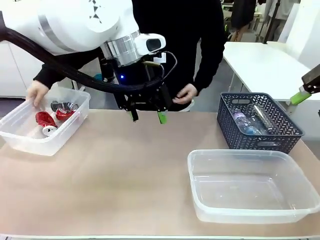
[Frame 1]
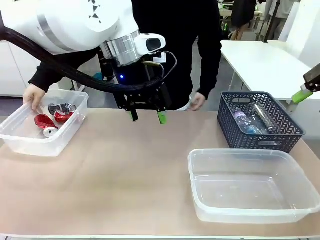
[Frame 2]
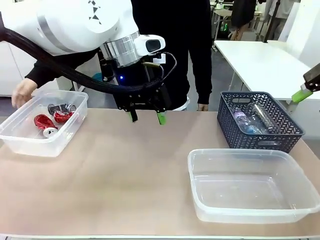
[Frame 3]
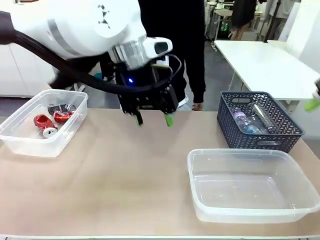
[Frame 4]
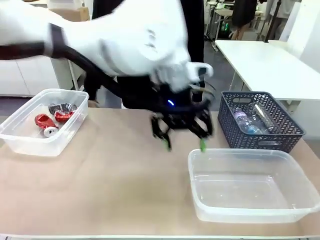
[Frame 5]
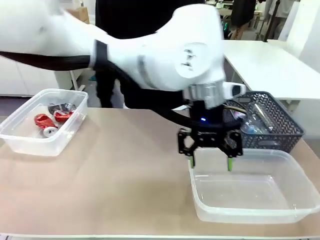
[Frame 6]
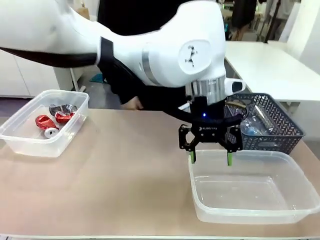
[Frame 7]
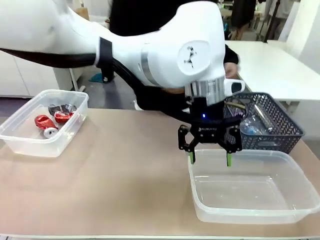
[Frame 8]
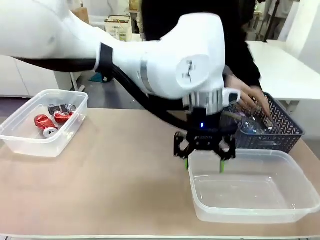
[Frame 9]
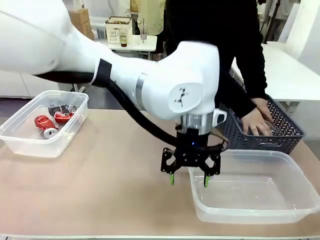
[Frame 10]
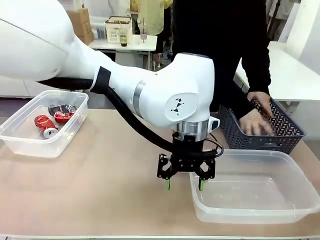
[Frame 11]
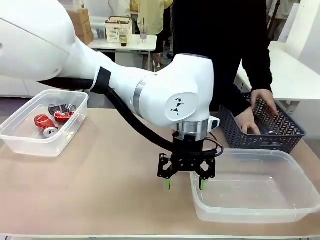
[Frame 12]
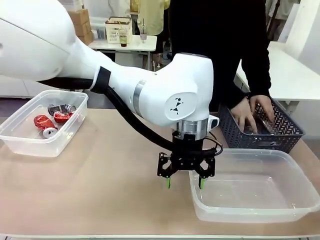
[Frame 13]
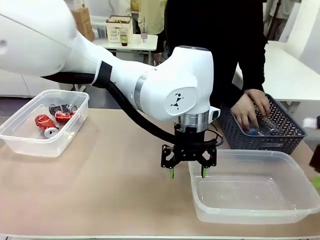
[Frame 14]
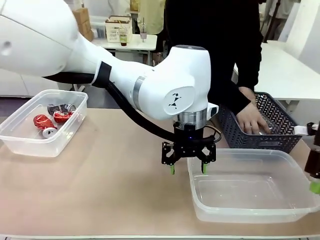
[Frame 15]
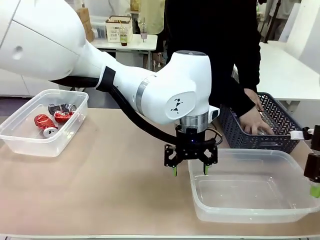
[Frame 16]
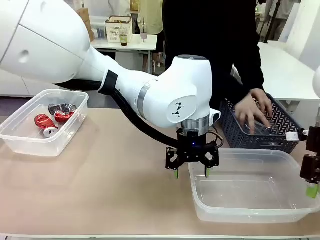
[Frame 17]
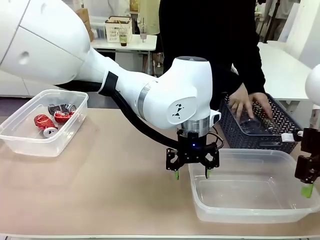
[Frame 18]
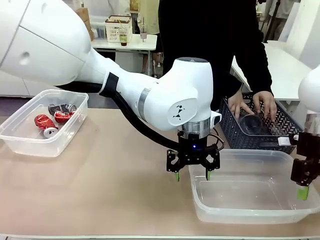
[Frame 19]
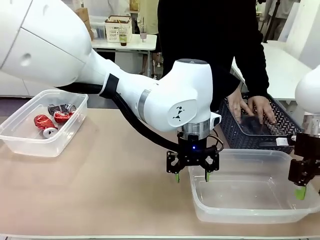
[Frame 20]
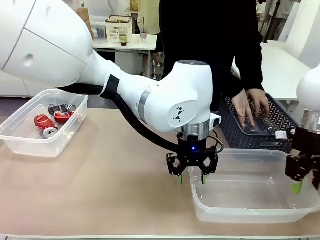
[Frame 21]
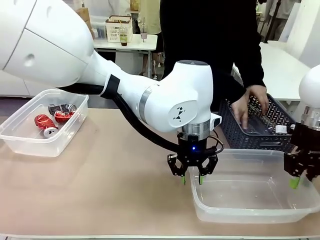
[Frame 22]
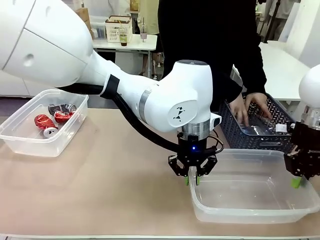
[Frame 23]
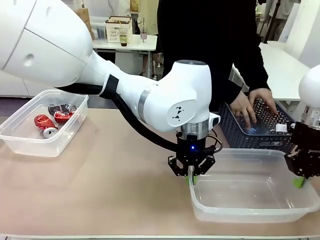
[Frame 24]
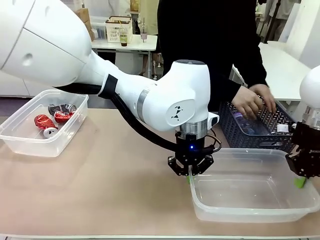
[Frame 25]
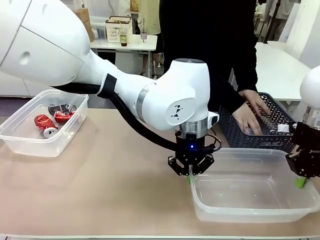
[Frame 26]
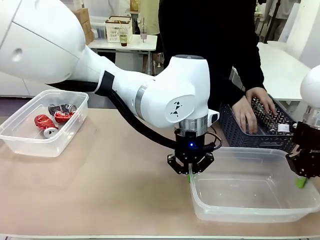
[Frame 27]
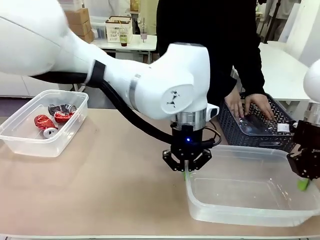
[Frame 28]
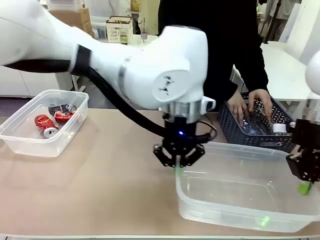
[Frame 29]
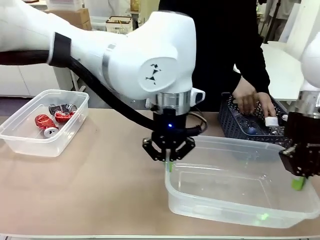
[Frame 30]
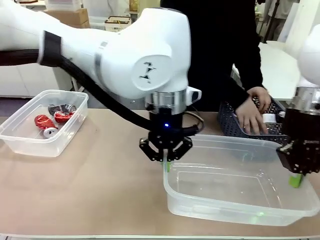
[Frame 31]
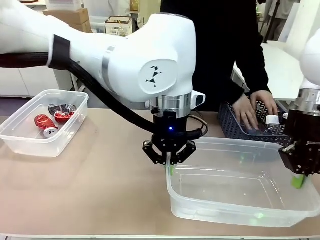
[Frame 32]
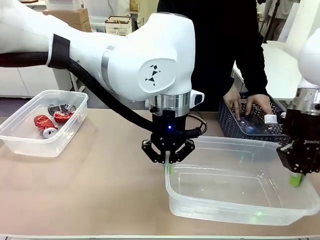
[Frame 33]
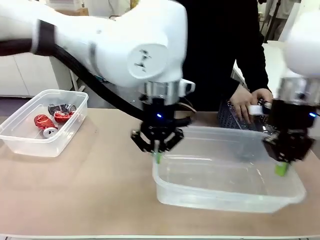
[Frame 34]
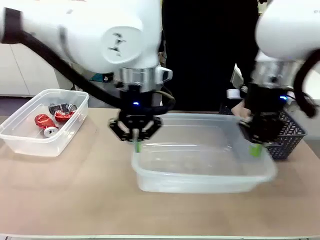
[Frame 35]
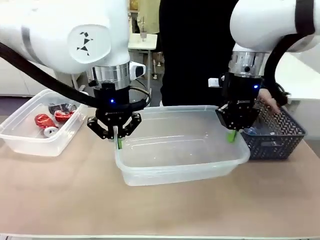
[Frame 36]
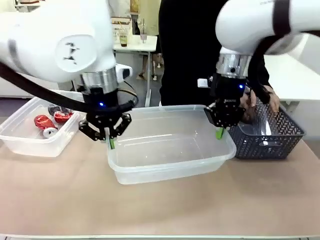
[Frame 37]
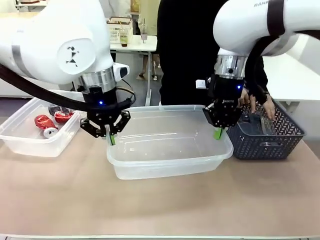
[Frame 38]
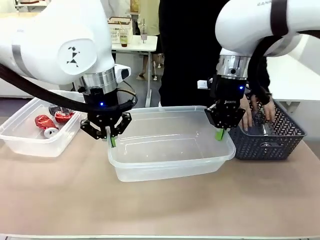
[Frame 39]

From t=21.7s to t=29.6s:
Robot: Pick up the Organizing box on the right side of the table and lift it.
Person: Pick up plastic waste one by one and place it into the organizing box lifted by the robot.

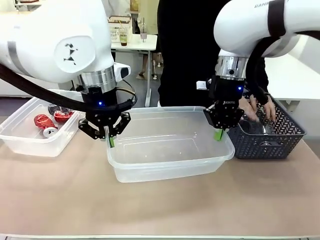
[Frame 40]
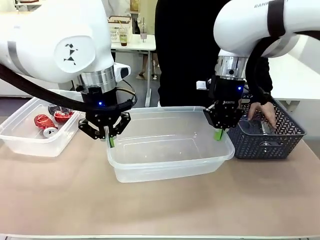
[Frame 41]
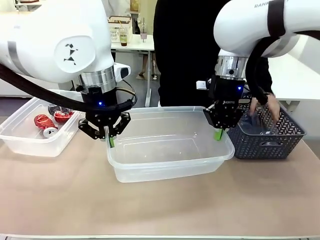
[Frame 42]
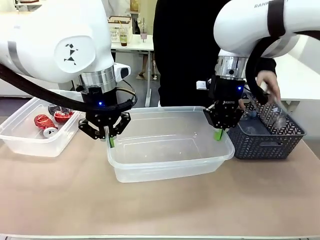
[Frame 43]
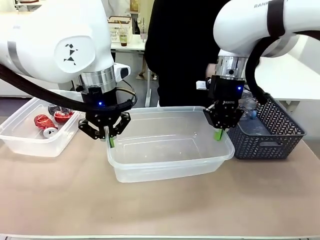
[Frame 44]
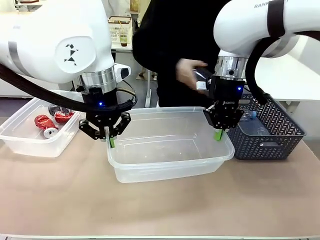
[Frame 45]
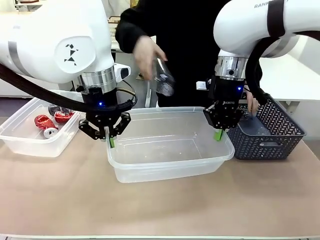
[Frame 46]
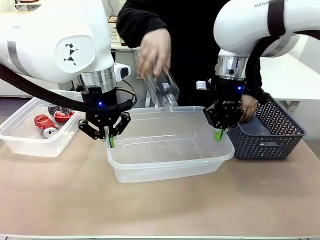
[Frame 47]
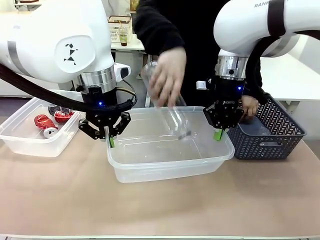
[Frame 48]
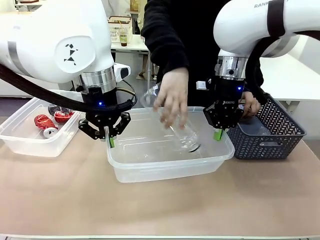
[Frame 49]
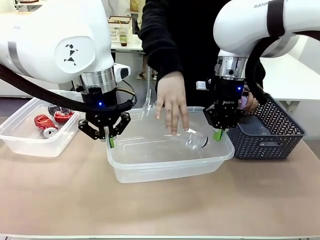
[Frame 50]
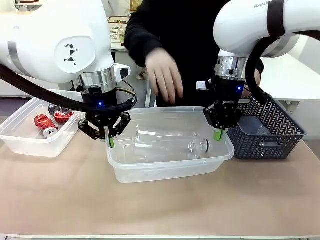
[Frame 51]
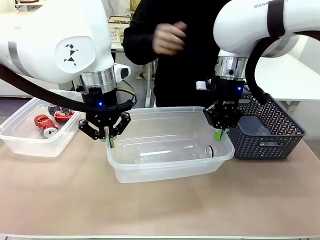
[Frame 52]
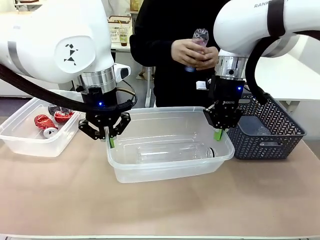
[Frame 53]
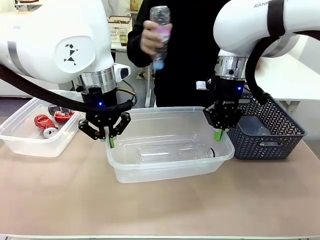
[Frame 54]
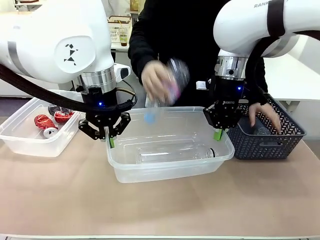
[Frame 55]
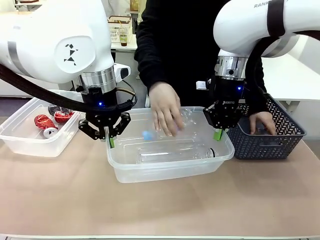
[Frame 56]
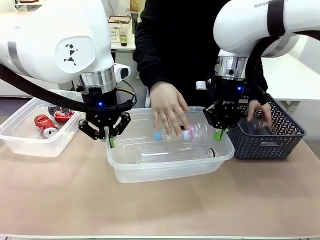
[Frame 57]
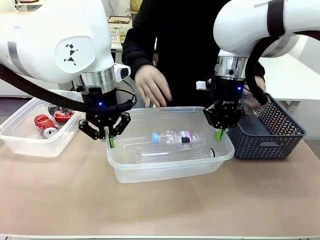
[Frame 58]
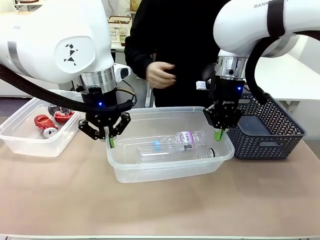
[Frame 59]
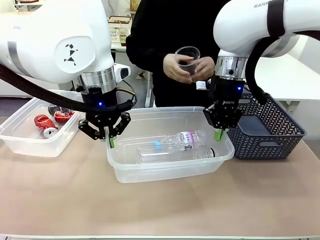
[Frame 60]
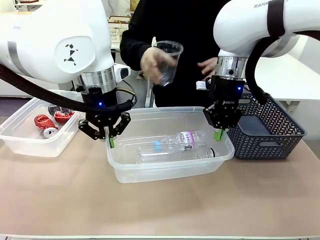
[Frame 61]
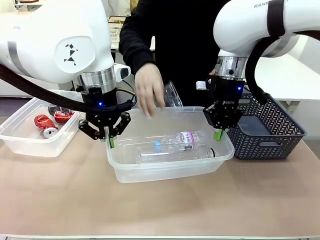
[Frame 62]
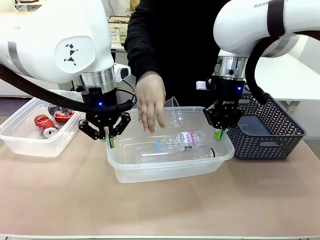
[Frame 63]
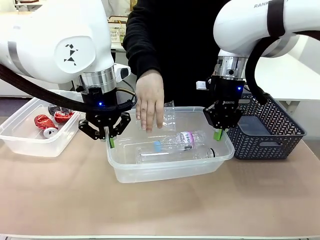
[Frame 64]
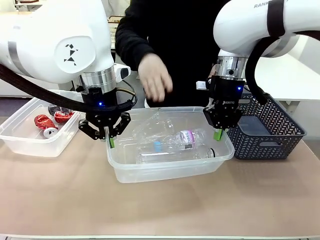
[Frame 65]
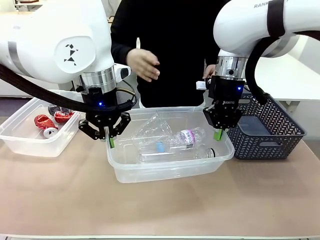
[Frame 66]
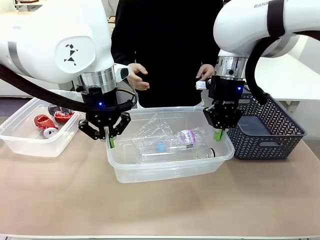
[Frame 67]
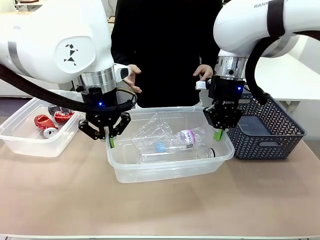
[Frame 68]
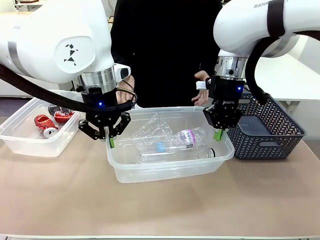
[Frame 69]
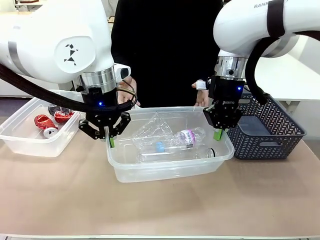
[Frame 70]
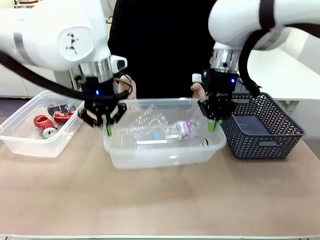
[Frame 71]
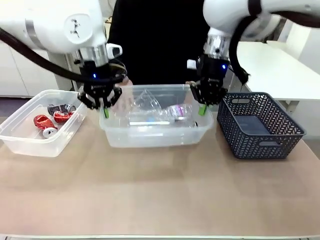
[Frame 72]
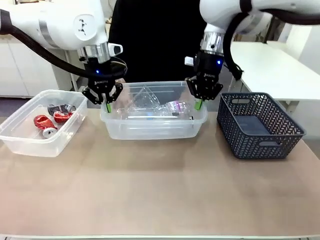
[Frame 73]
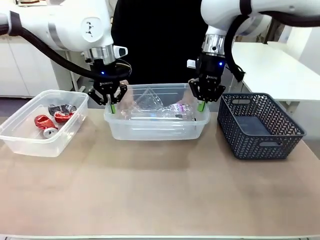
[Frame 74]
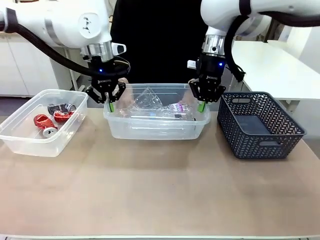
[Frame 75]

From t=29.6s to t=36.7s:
Robot: Offer the picked Organizing box to the human.

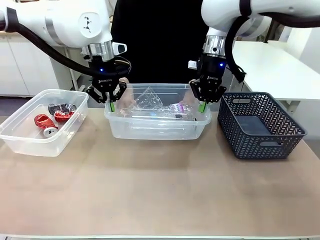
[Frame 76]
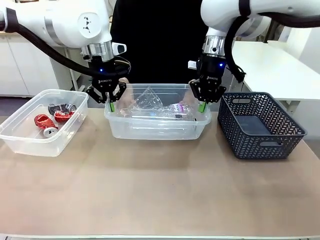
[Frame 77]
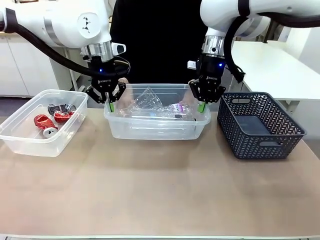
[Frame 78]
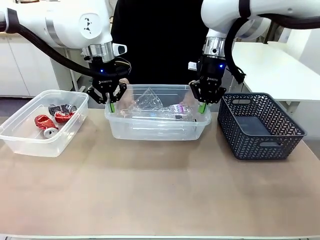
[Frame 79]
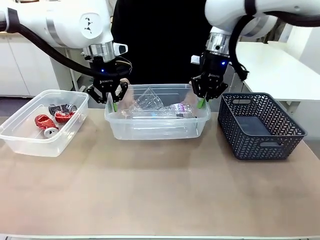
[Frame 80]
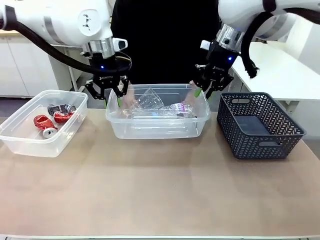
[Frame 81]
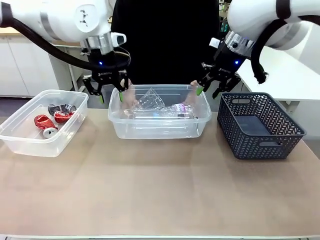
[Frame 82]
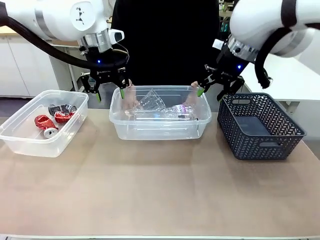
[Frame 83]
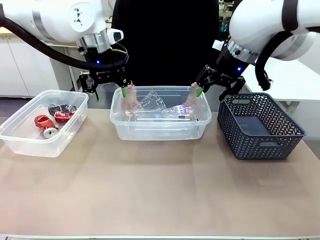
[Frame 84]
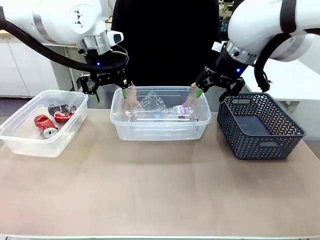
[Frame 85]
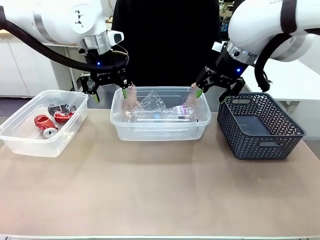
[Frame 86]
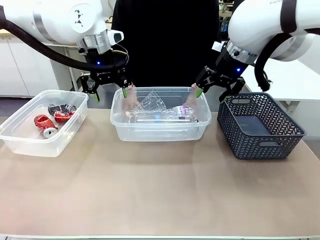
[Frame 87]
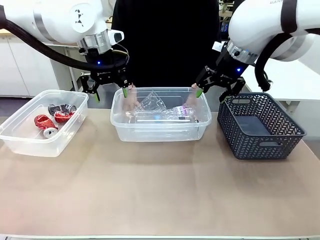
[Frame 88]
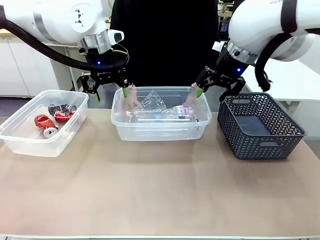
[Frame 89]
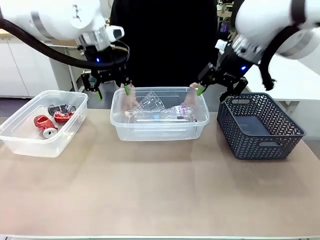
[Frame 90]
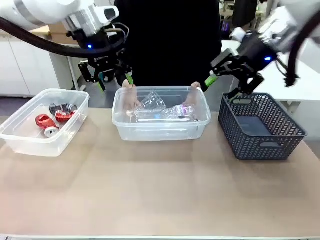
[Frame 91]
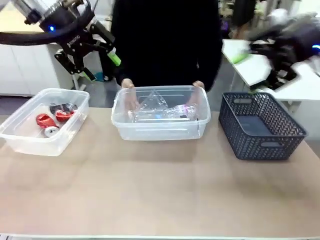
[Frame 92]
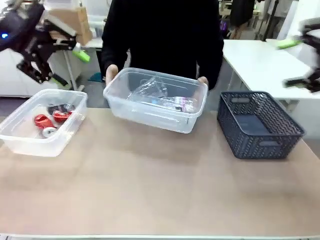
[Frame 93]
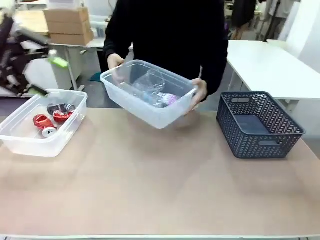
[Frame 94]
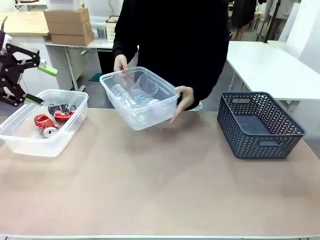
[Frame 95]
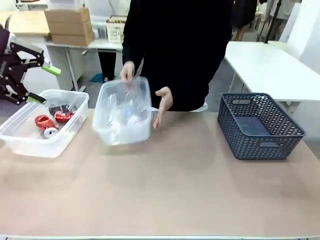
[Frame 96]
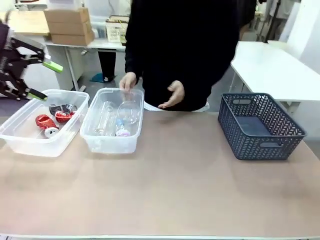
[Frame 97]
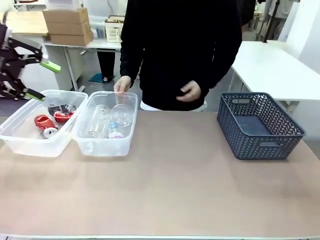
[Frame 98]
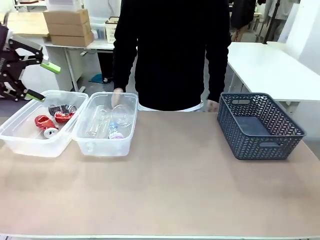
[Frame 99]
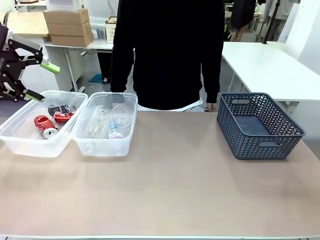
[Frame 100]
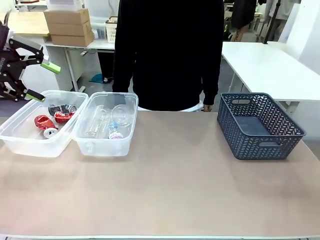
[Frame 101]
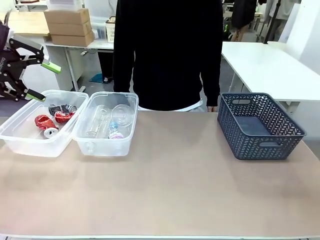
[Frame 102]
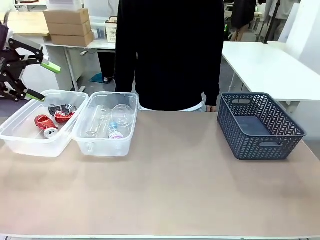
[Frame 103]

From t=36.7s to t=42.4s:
Robot: Release the Organizing box you were holding.
Person: Pick up the organizing box extended by the robot. Place the organizing box to the left of the sorting box containing the can waste.

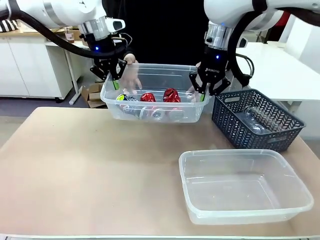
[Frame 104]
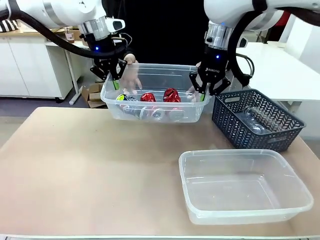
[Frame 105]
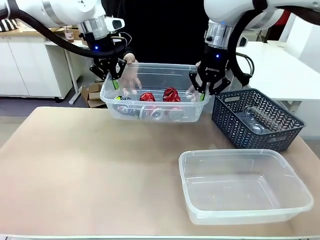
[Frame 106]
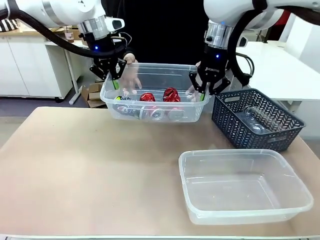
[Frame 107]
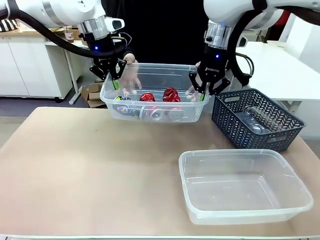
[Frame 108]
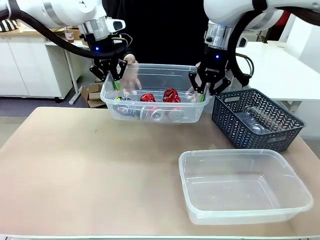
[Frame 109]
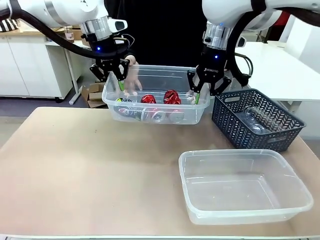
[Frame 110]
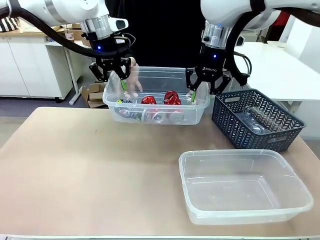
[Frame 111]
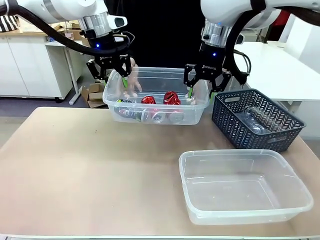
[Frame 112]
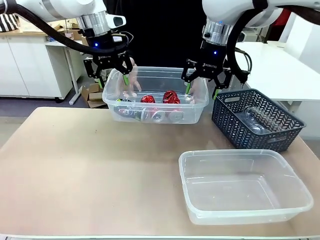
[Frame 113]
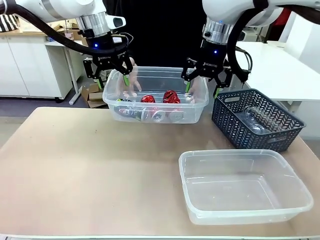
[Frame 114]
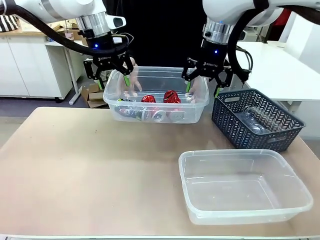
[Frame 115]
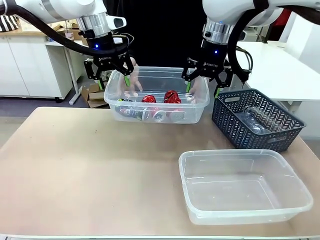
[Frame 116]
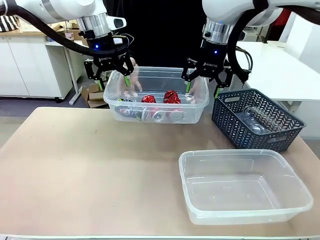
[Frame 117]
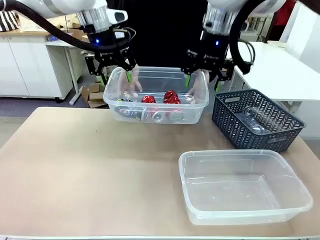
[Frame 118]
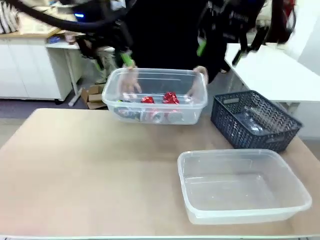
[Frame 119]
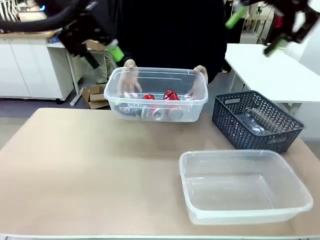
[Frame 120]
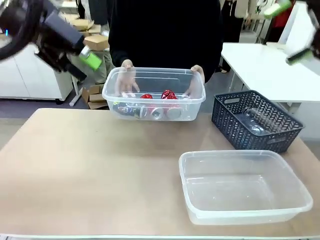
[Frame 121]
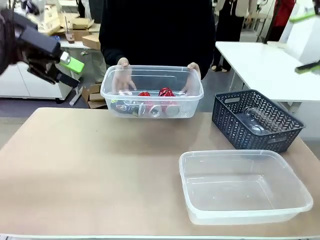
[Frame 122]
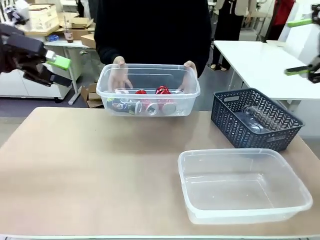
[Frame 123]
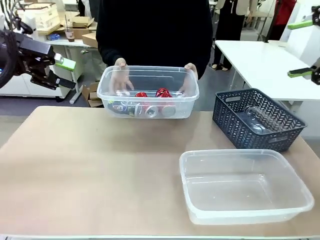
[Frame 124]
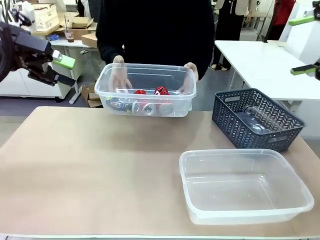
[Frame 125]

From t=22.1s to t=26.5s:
Robot: Release the Organizing box you were holding.
Person: Pick up the organizing box extended by the robot.
